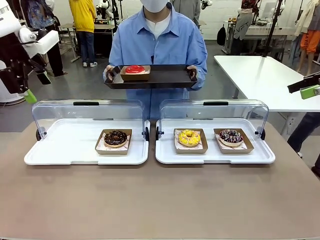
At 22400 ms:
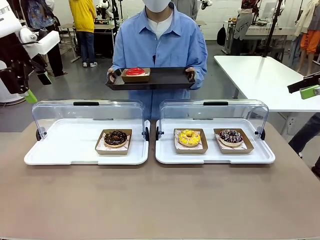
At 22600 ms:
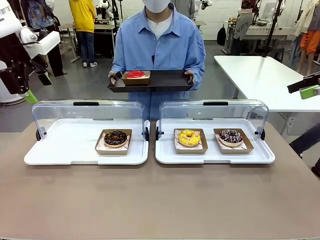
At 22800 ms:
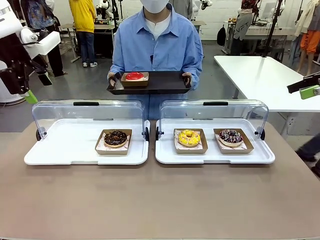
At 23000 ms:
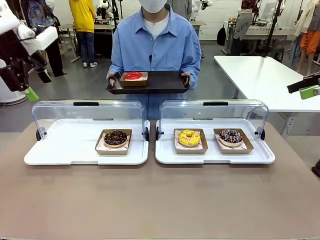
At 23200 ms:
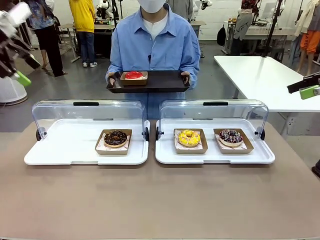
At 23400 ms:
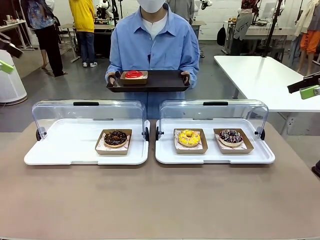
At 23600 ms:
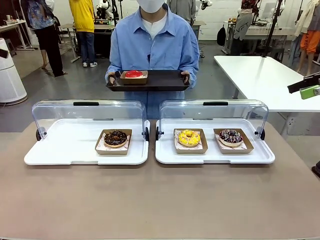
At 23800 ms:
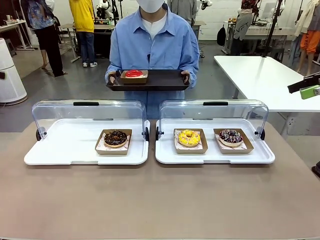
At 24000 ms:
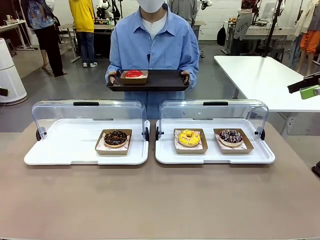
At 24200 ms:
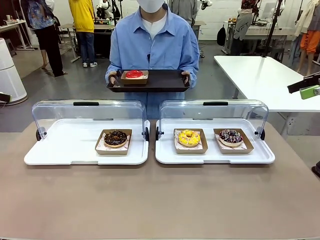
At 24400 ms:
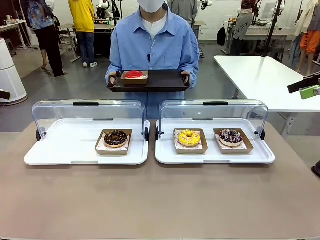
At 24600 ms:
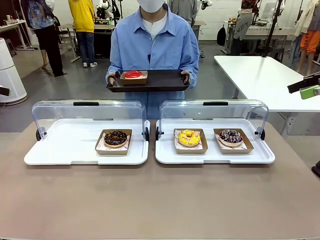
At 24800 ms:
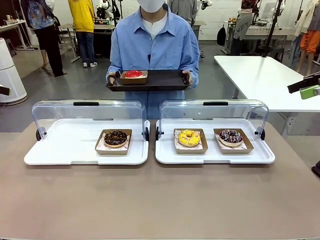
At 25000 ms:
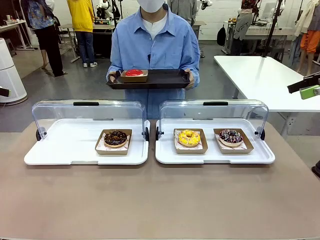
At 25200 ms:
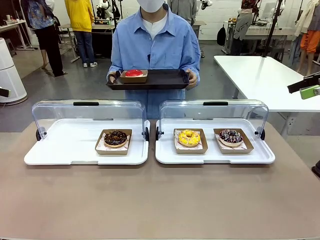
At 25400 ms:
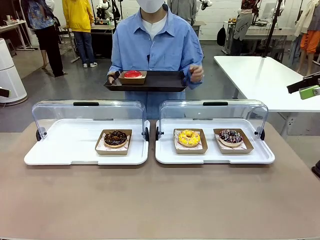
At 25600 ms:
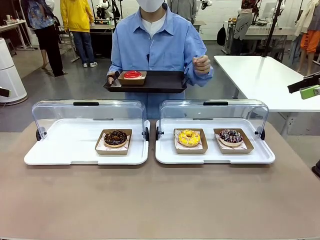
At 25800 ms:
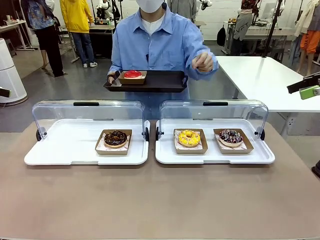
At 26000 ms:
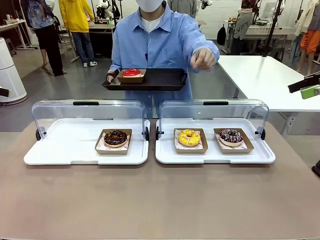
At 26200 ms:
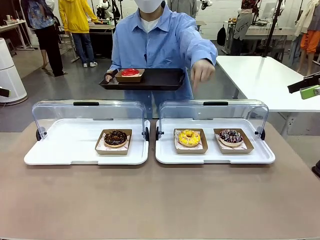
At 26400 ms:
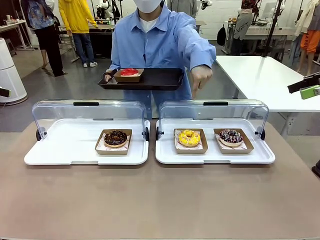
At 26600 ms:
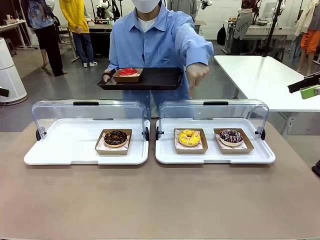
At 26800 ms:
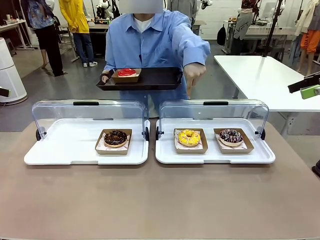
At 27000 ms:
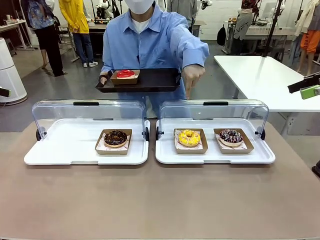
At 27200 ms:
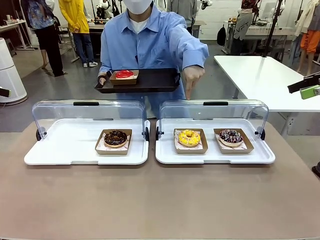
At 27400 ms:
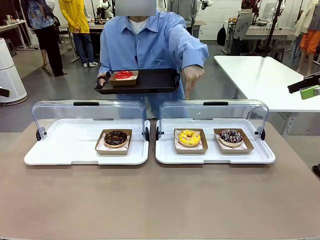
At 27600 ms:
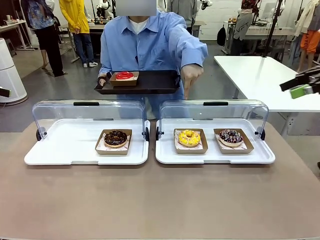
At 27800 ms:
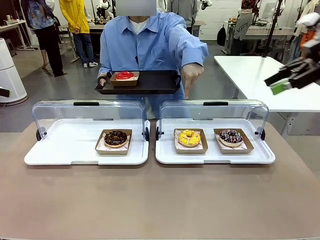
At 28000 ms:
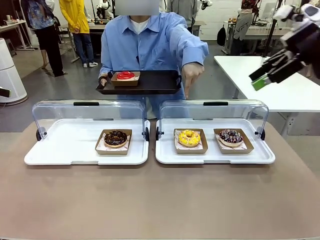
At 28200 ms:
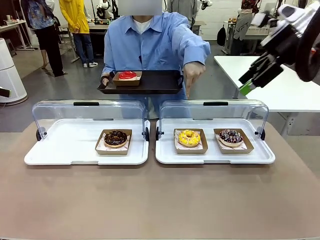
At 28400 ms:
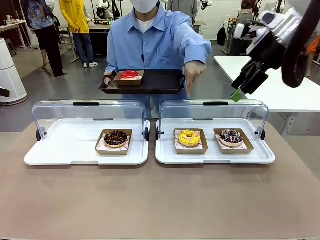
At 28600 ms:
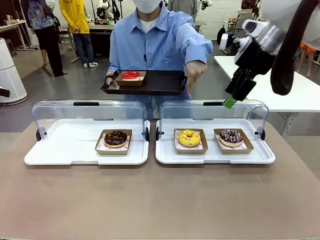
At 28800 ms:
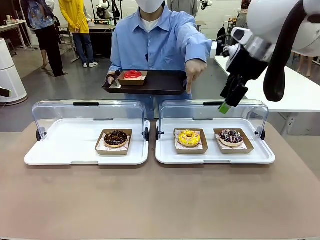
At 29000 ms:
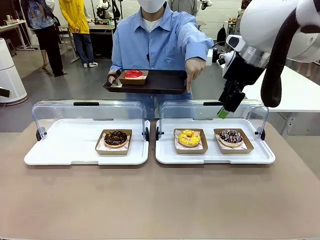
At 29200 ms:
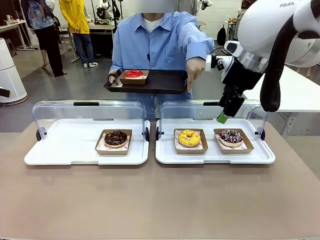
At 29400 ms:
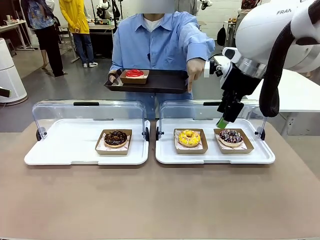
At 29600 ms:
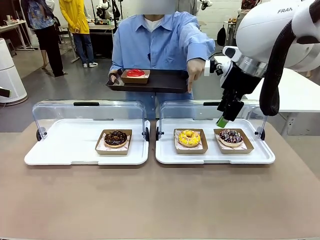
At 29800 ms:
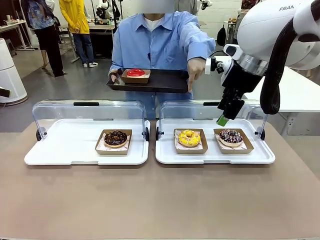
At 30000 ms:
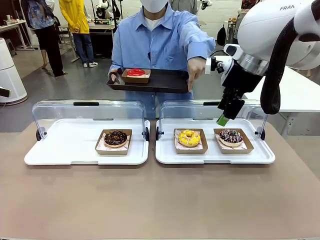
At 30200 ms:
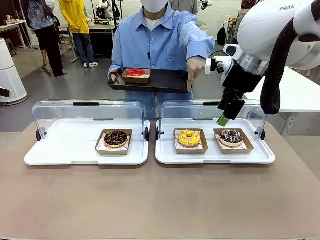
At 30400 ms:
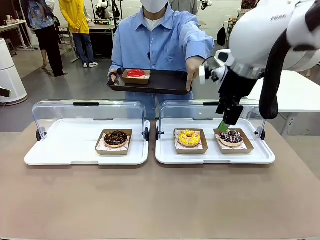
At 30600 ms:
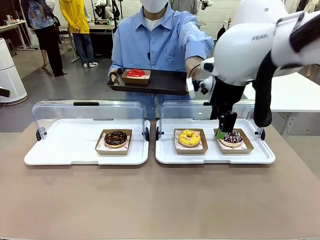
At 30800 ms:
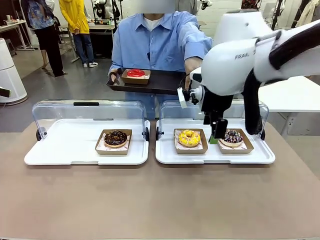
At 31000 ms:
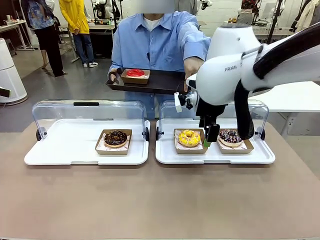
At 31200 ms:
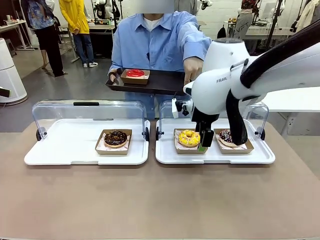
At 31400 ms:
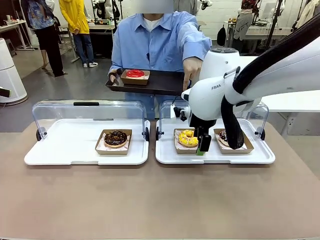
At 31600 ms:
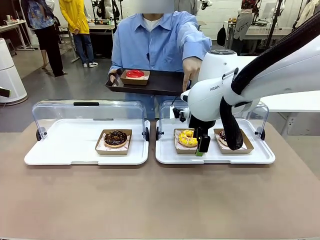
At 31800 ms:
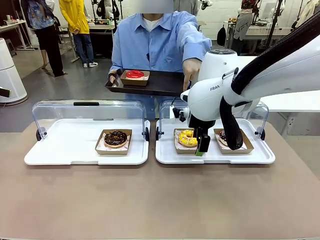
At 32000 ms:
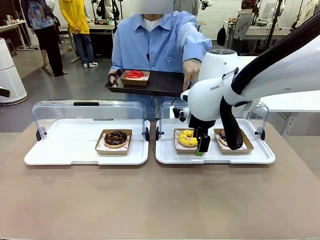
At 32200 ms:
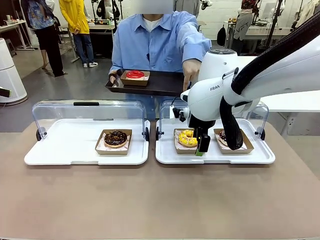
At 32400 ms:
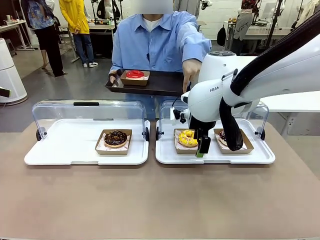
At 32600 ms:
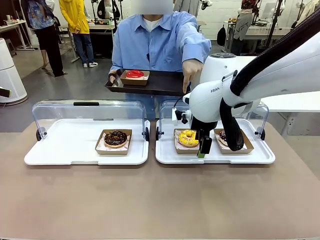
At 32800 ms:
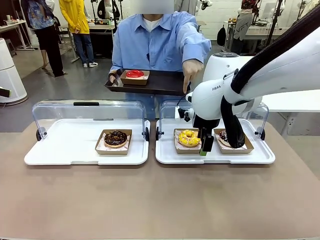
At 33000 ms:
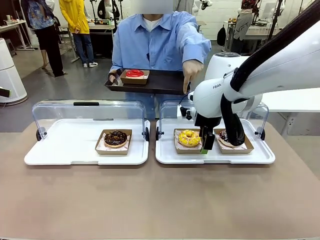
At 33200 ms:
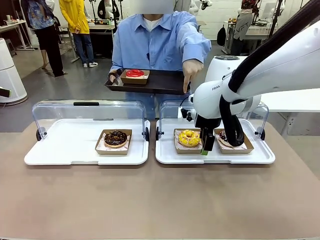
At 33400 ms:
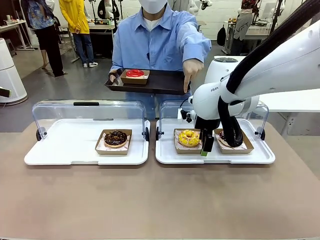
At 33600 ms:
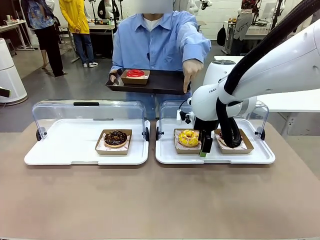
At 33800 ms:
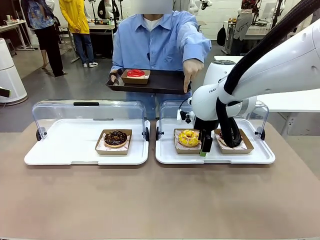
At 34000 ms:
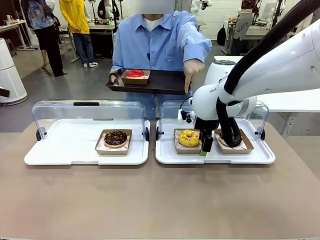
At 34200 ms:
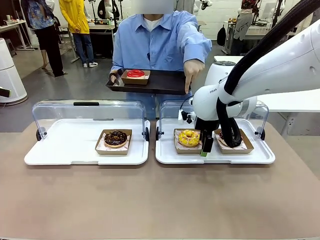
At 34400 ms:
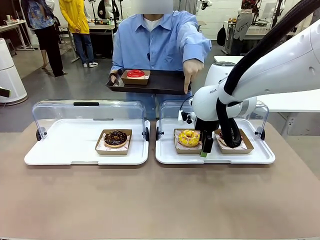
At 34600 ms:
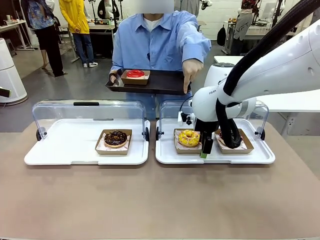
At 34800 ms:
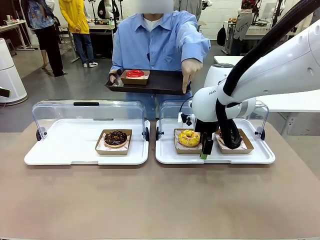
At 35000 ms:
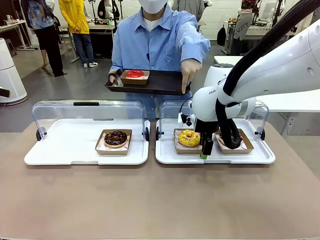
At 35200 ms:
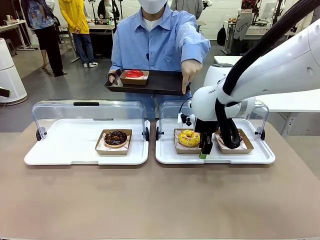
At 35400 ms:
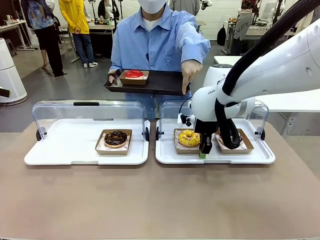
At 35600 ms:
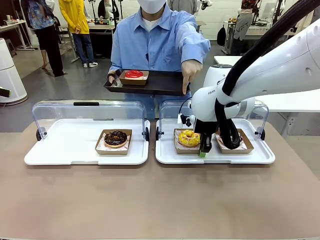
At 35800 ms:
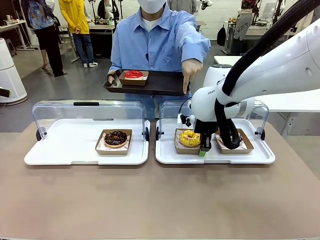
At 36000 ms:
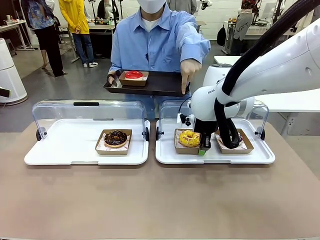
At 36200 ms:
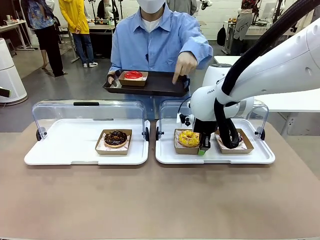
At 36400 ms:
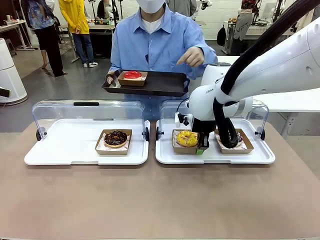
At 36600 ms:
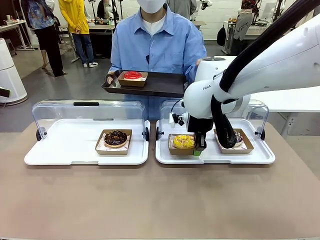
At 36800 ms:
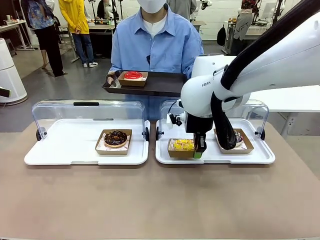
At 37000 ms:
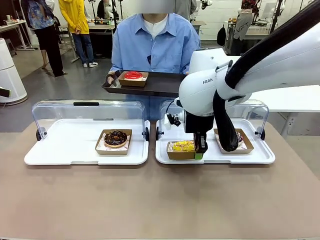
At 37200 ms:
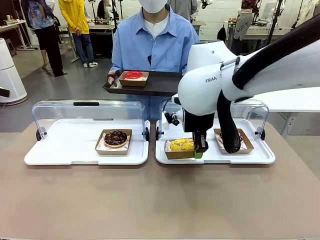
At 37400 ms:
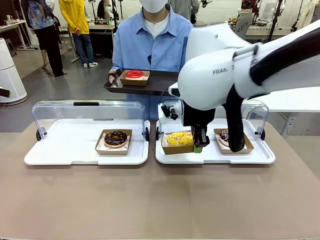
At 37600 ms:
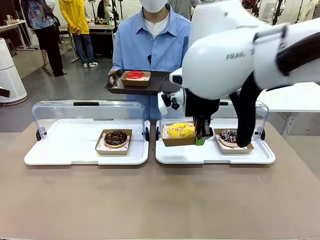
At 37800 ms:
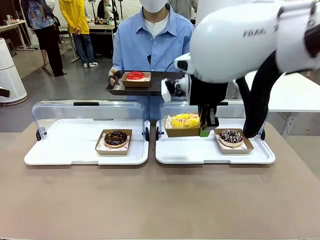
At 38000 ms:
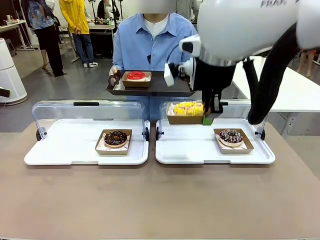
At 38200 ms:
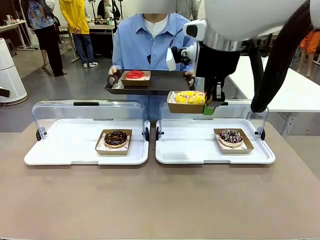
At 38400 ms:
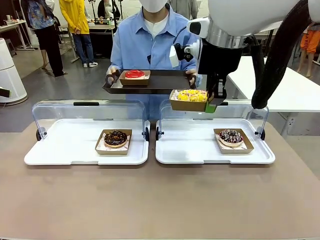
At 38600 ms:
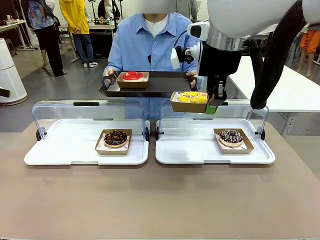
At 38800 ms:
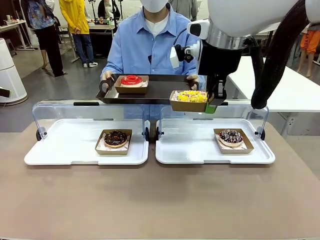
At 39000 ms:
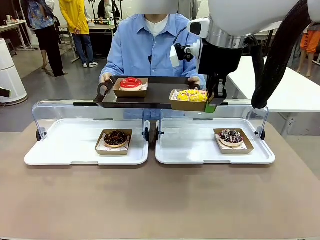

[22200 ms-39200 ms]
Task: Provide the desired donut to the person.
Robot: Pick up and lift the Paper togo box containing the Donut pointed at by the person.
Person: Point to one donut. Lift the tray onto the Roll-Top Bakery Case.
